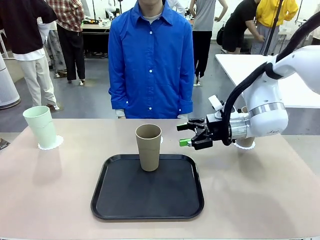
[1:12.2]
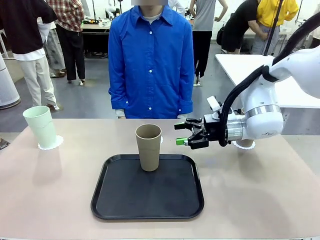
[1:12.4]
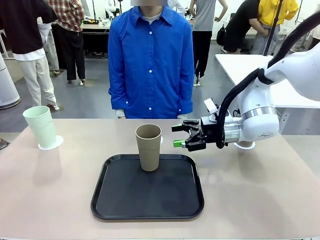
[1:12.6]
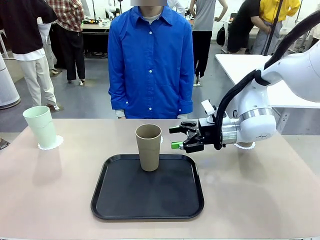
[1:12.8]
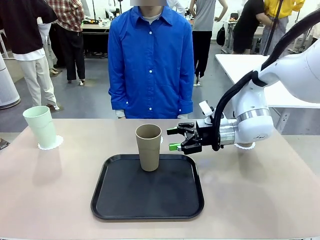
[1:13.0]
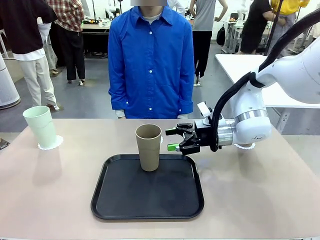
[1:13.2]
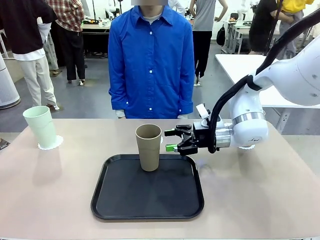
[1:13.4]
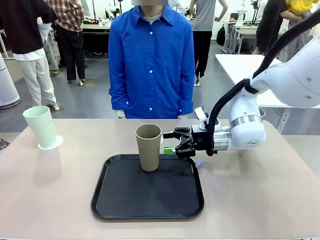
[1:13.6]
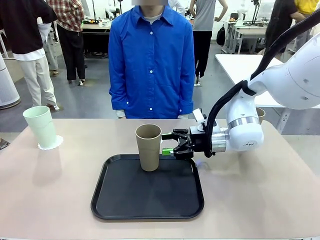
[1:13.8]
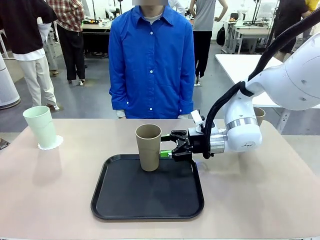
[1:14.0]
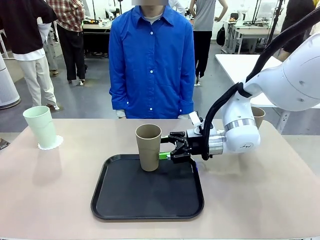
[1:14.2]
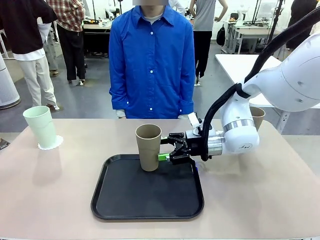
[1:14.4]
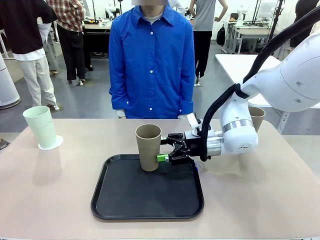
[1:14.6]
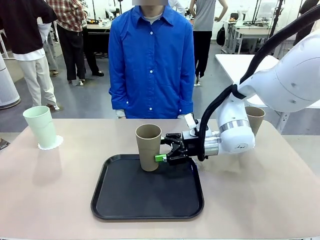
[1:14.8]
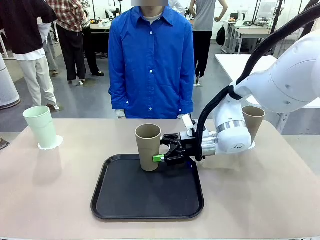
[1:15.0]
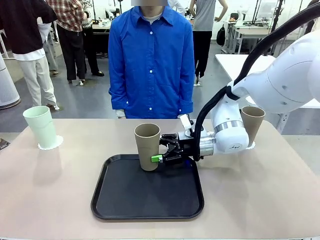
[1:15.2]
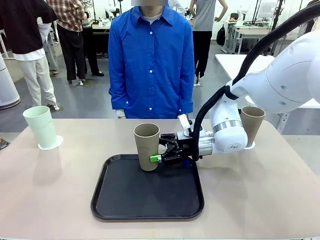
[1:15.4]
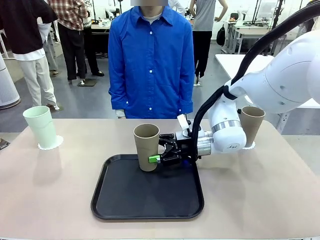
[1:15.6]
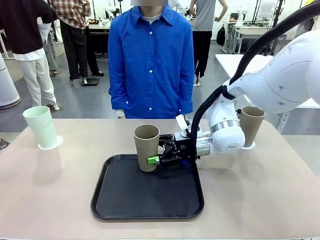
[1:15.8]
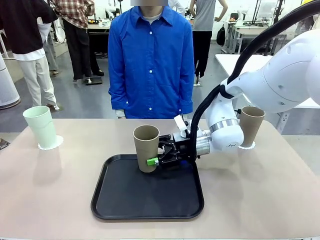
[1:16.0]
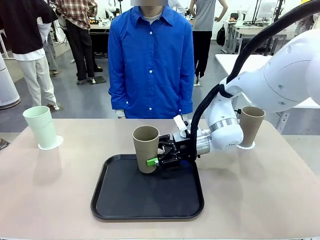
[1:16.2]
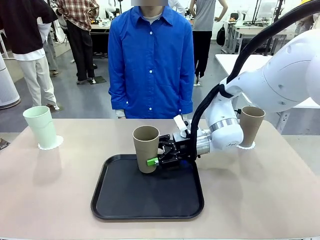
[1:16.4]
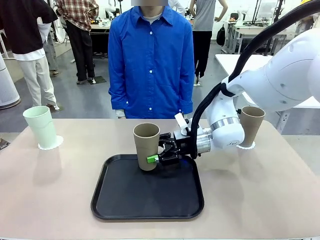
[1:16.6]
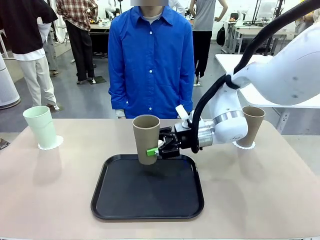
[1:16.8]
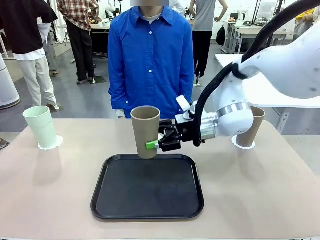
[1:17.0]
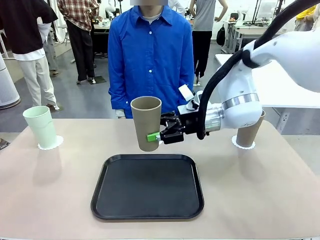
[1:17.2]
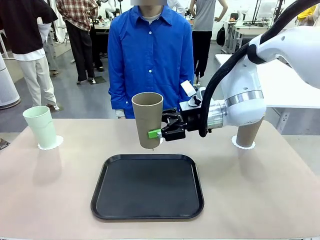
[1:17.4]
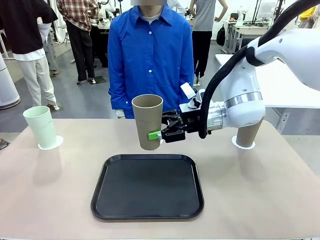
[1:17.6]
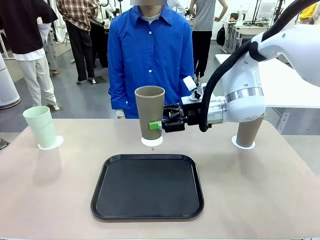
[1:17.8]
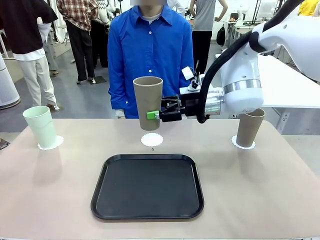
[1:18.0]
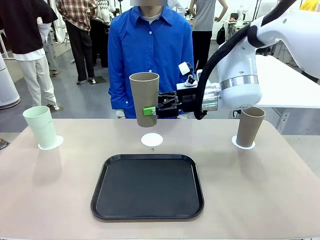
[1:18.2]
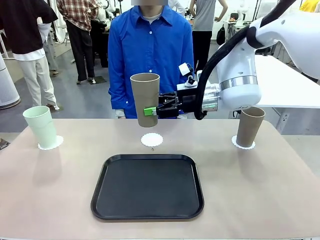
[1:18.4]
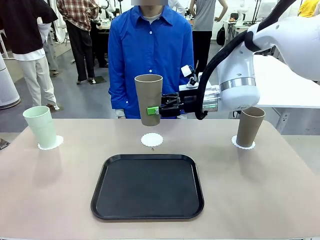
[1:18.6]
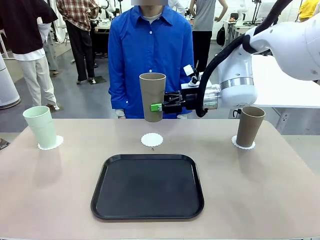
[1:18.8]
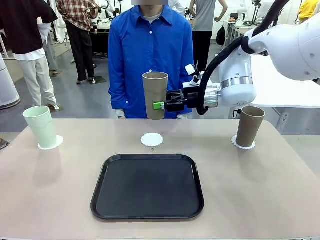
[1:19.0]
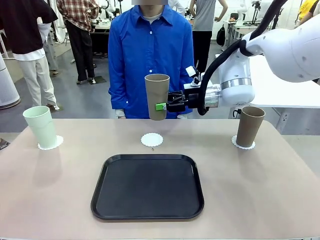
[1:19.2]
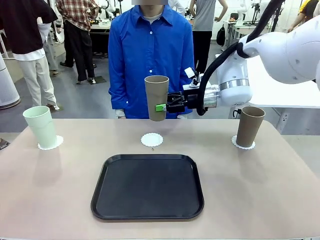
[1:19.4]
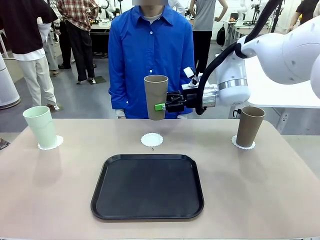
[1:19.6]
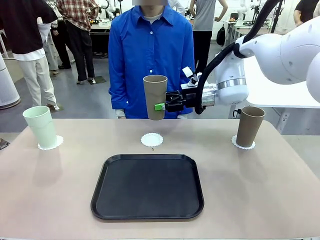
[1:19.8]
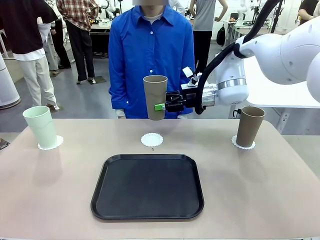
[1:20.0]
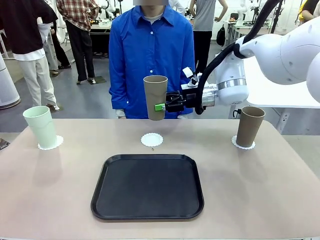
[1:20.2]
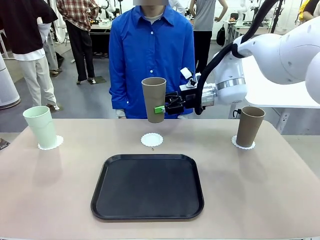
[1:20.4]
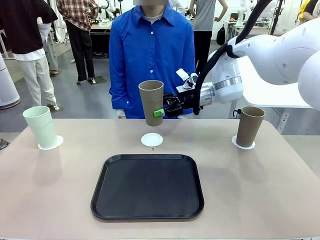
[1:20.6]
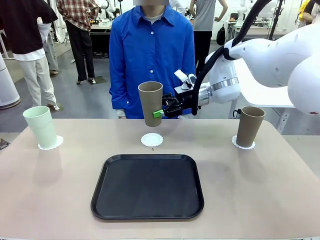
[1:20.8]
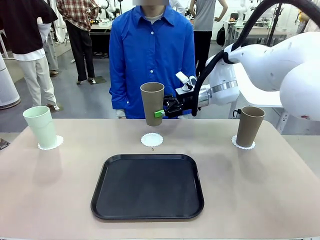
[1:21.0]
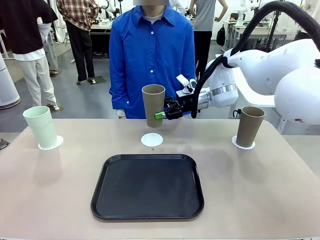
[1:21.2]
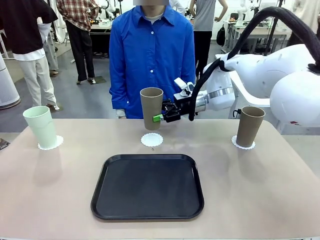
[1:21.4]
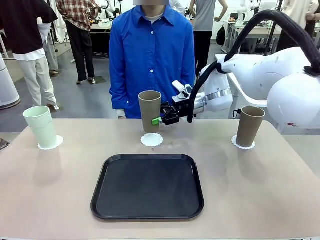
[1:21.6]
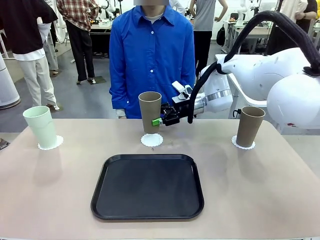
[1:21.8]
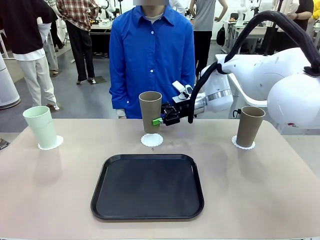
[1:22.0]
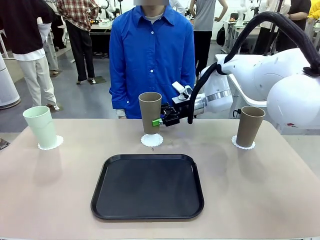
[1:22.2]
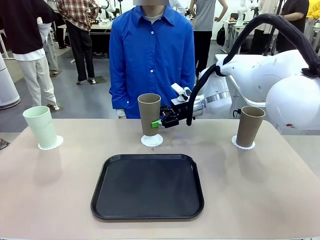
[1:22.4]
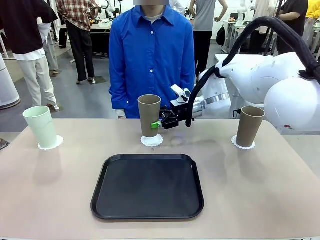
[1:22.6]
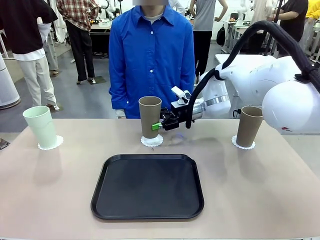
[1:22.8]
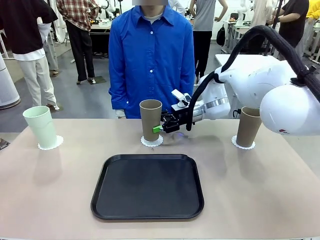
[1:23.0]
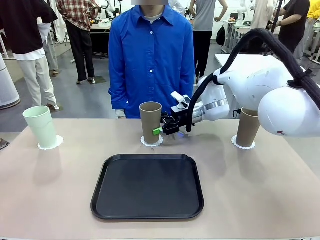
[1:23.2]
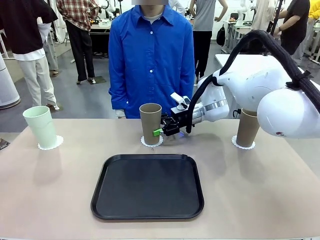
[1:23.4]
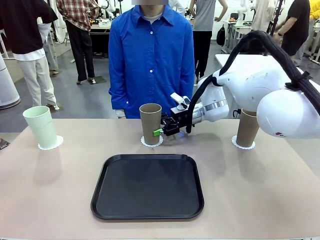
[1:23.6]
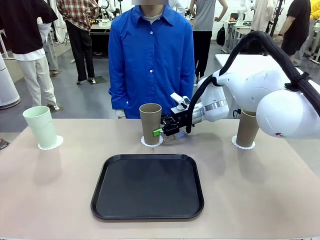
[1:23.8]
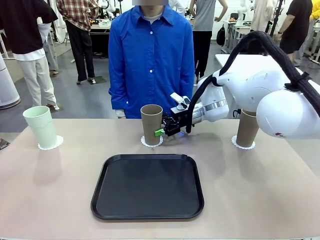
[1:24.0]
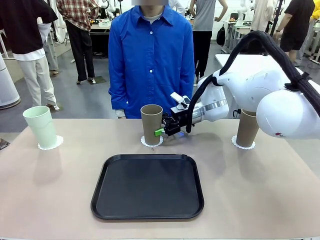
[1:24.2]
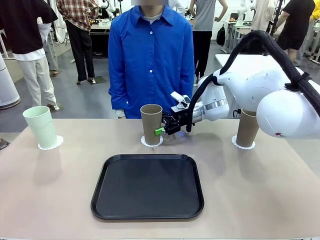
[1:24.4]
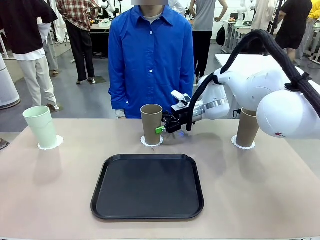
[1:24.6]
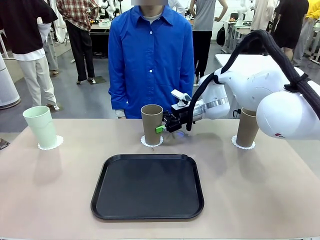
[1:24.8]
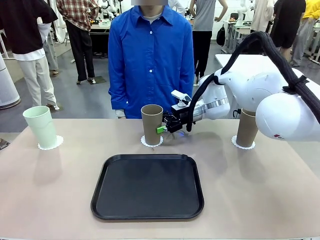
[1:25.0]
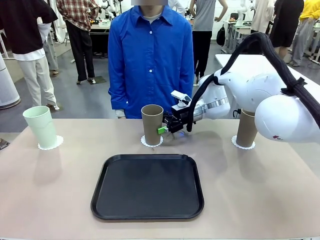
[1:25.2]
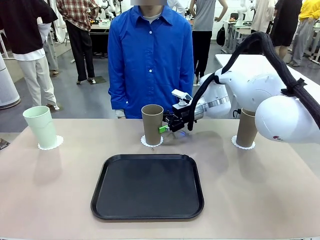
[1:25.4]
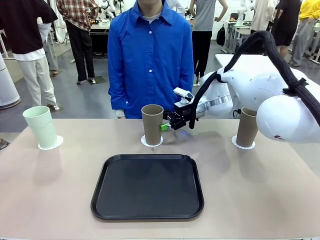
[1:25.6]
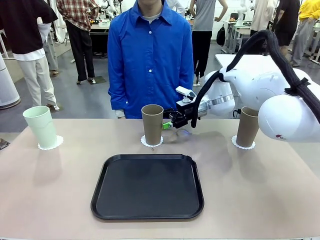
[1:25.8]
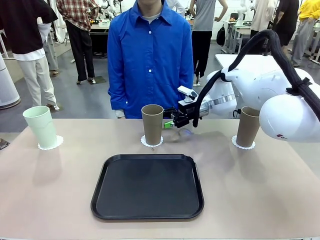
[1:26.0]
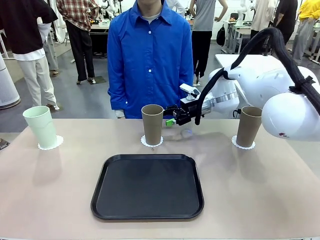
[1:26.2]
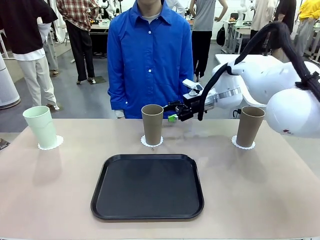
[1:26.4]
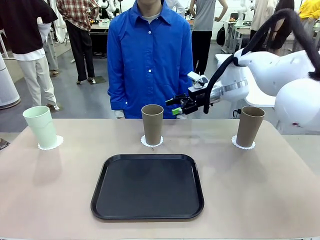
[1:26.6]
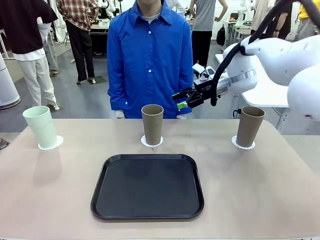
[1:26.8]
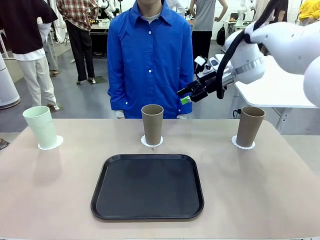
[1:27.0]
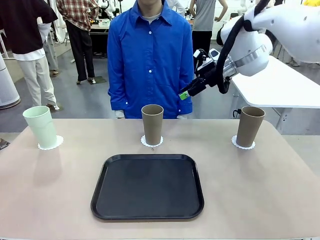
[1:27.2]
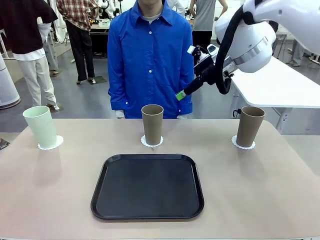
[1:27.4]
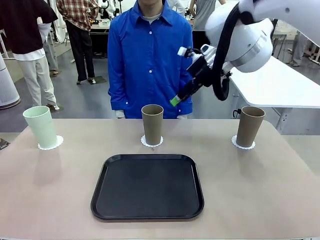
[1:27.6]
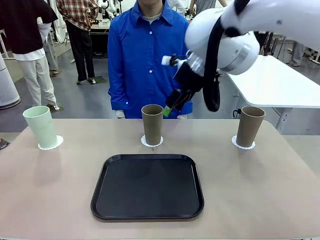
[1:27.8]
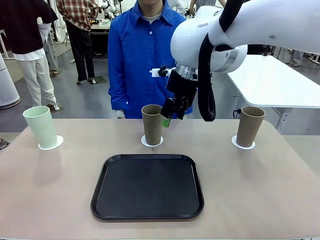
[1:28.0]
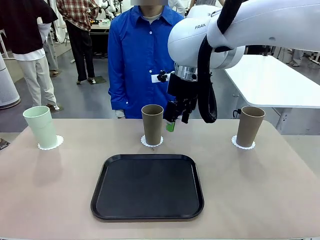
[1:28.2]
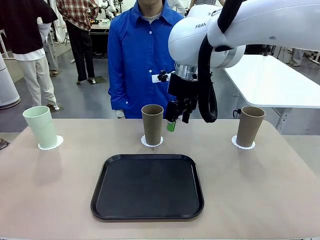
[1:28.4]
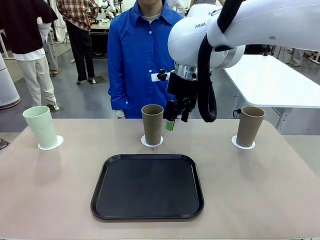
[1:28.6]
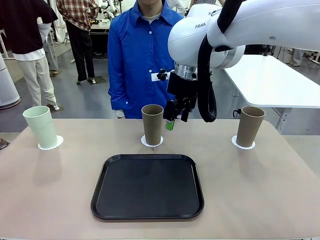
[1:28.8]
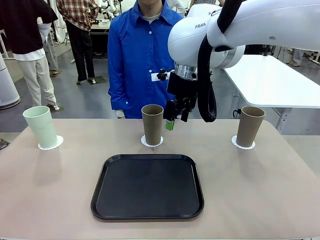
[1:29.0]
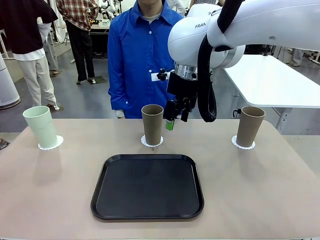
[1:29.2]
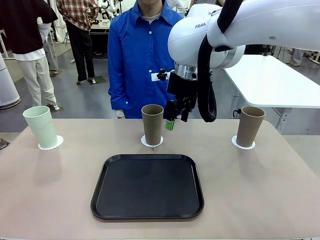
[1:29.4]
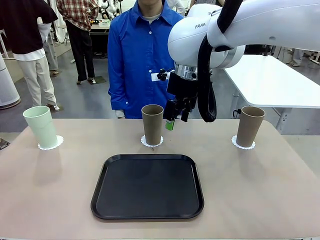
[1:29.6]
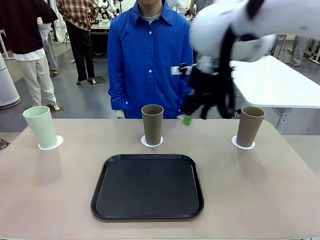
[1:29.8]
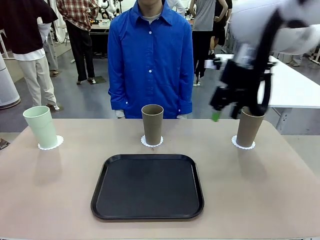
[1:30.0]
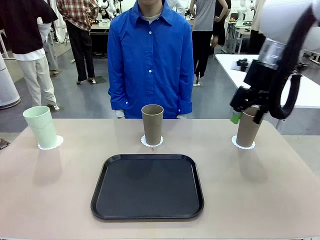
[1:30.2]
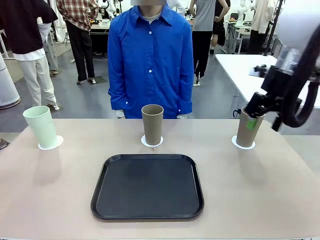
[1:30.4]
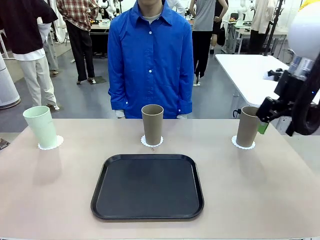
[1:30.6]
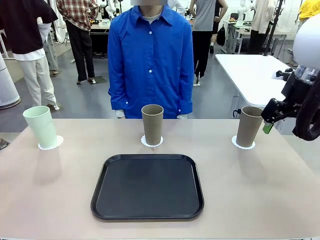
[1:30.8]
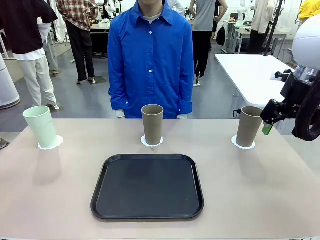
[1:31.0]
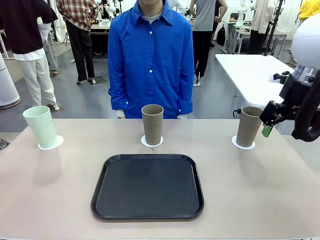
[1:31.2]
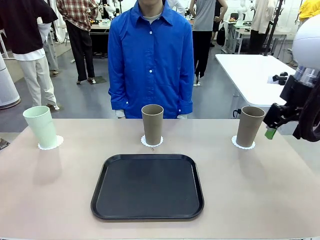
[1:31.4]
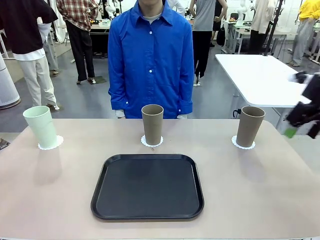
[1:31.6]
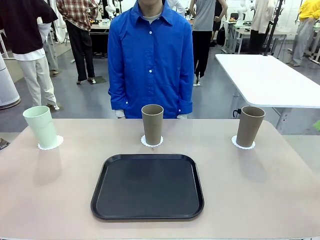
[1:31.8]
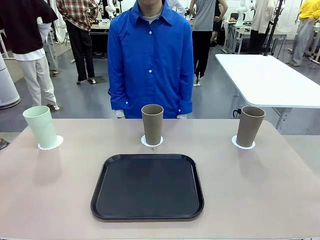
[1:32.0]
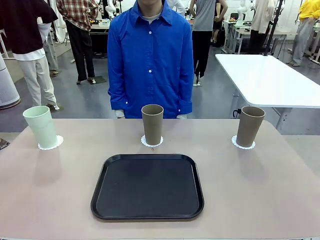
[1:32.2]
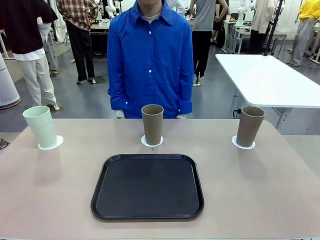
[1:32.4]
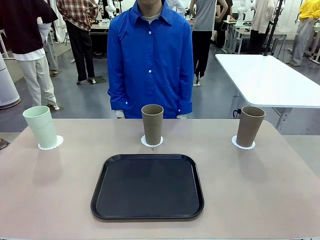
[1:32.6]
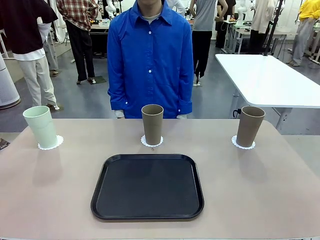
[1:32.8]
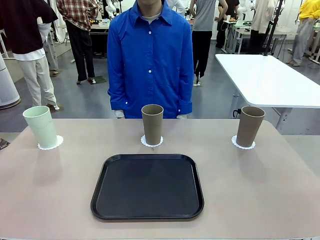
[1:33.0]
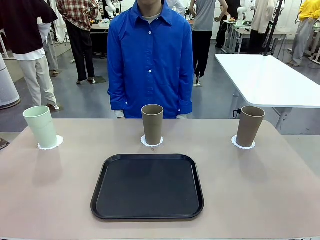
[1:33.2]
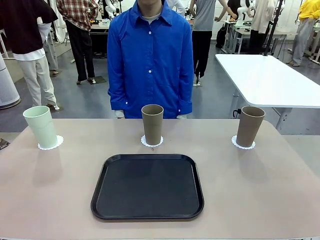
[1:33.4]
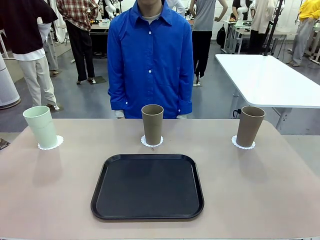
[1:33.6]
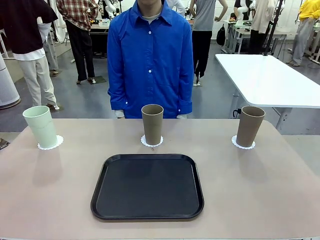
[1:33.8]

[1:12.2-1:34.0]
Task: Place coasters on the table and set cups on them.
Robot: Take one Reusable plastic cup from the Flat Tray and place it on a coaster set by the human.
